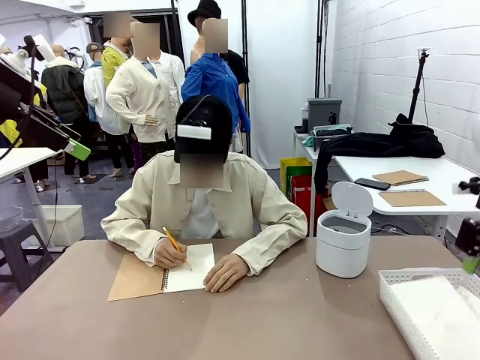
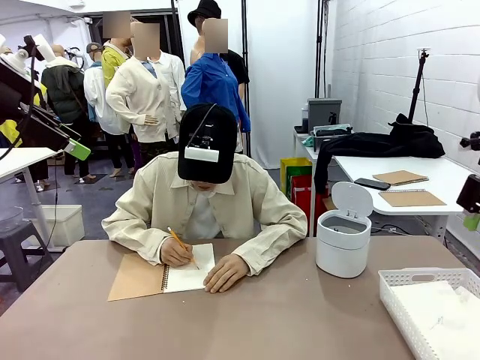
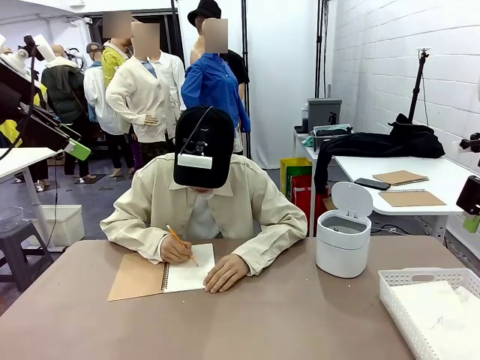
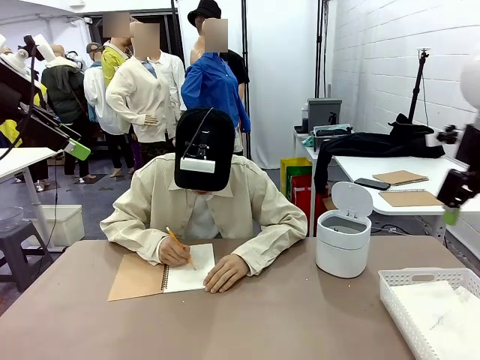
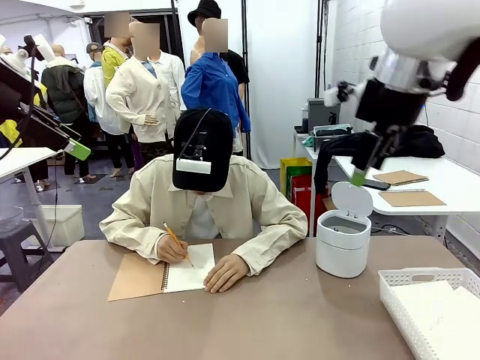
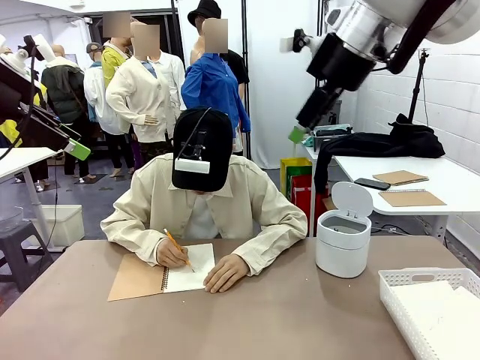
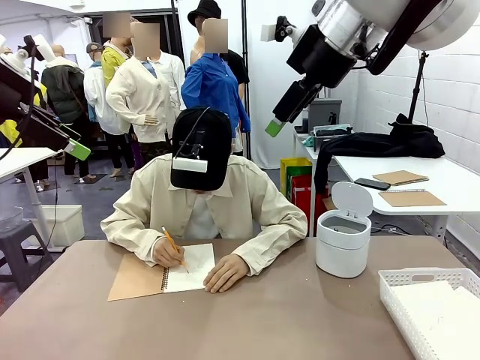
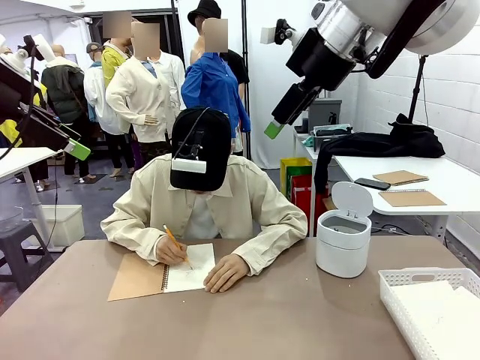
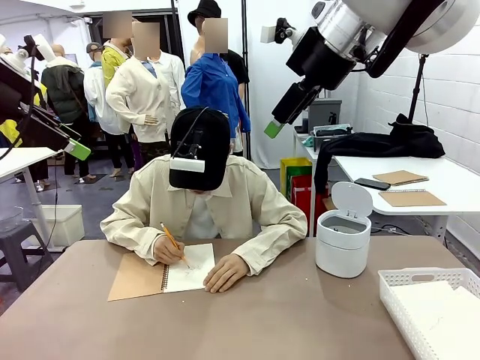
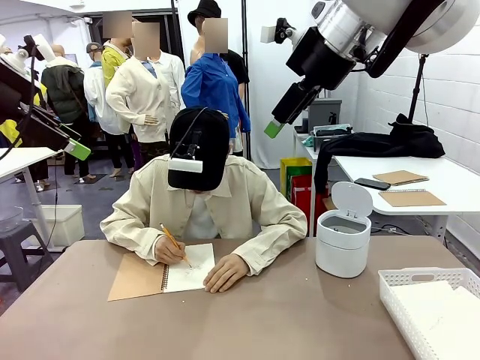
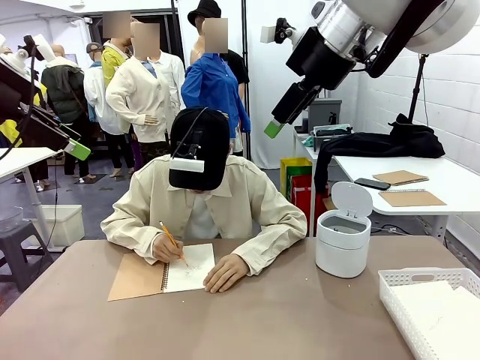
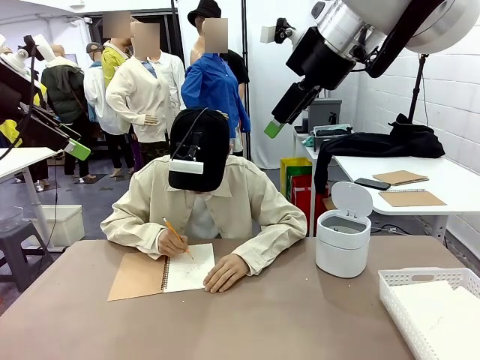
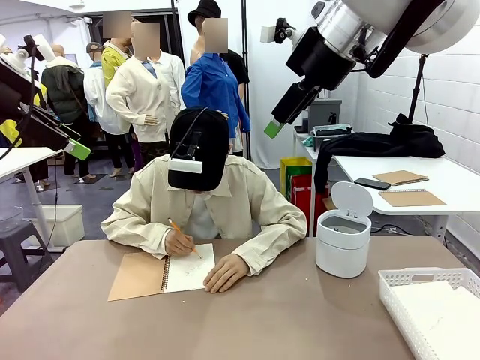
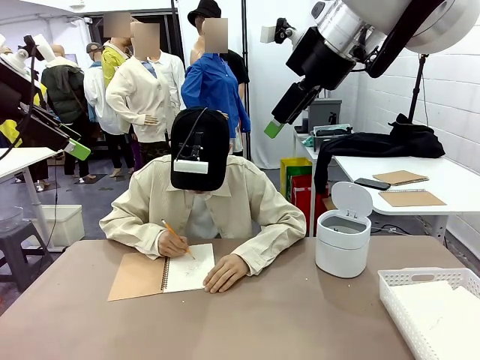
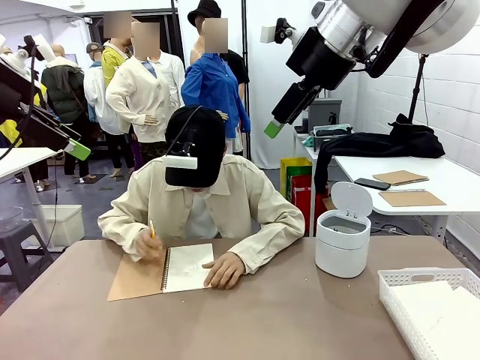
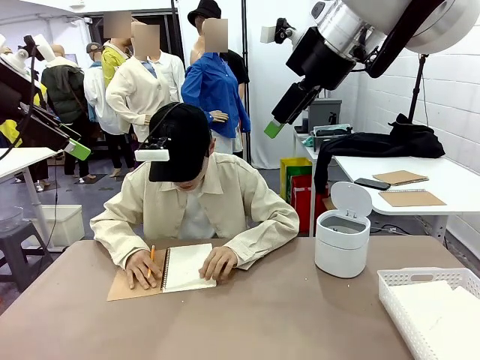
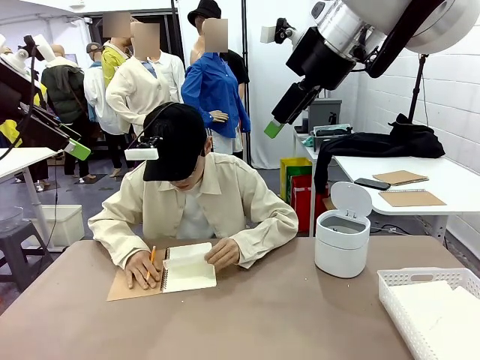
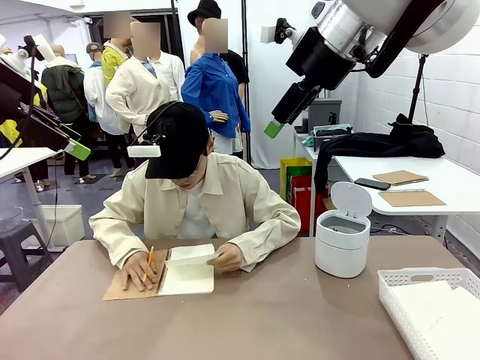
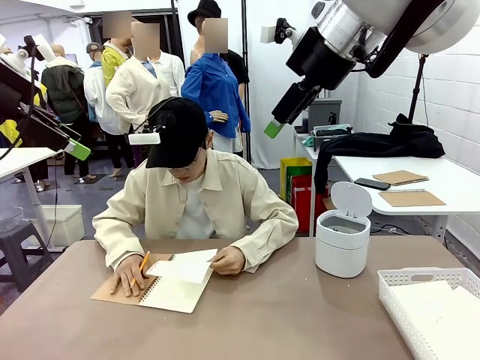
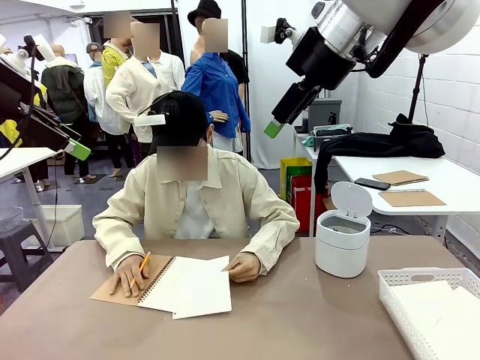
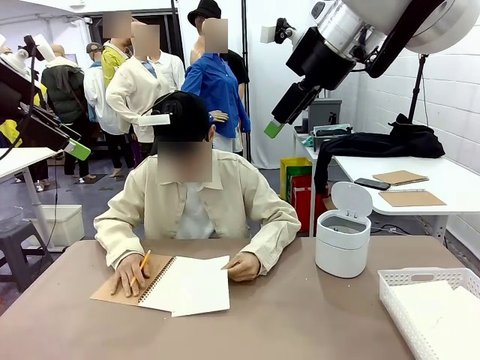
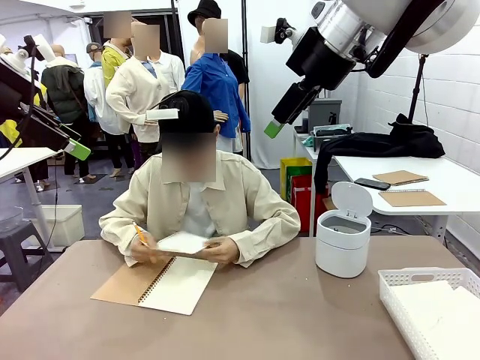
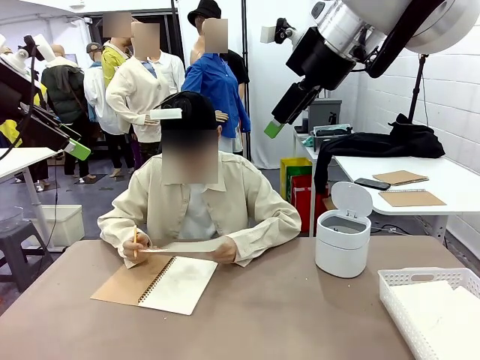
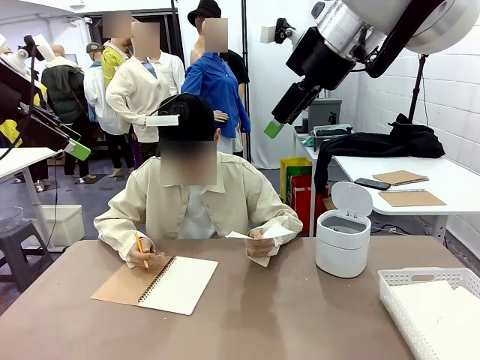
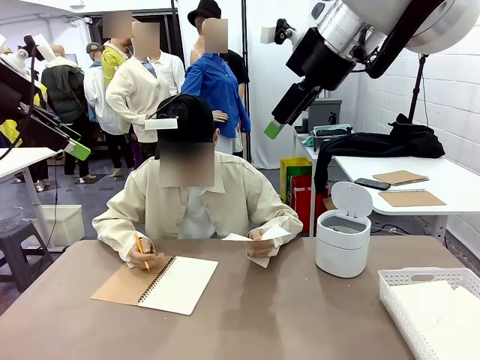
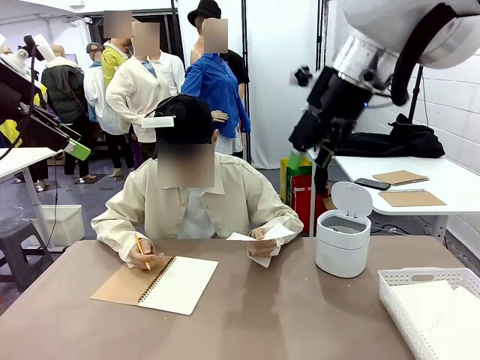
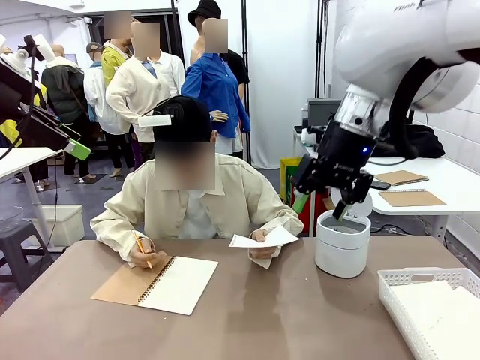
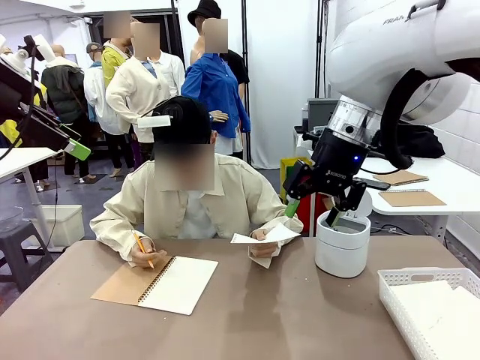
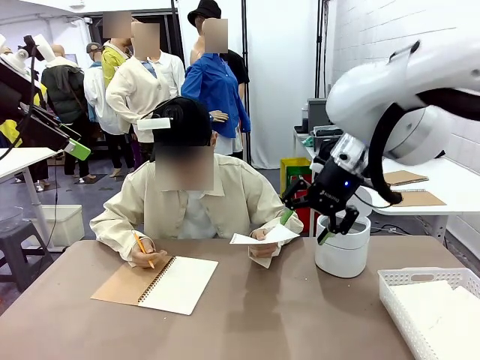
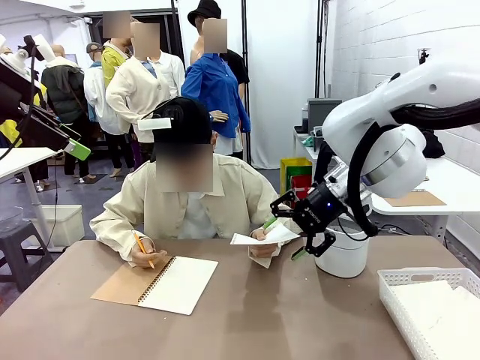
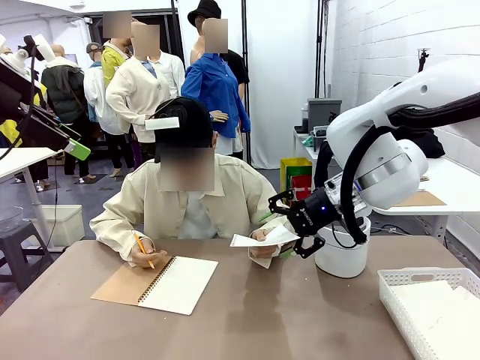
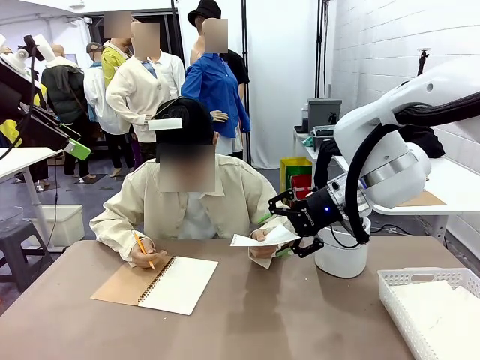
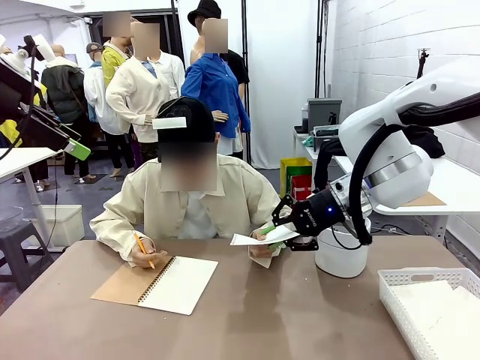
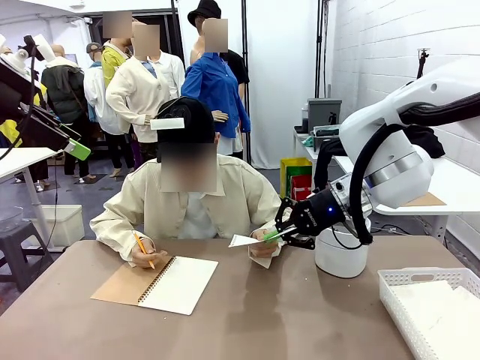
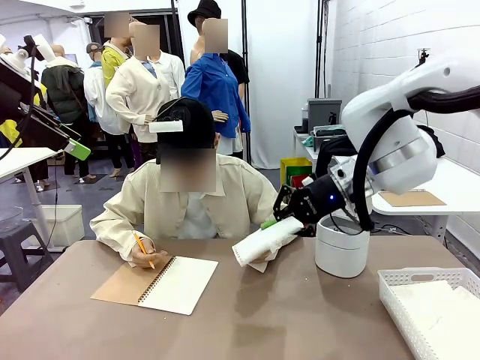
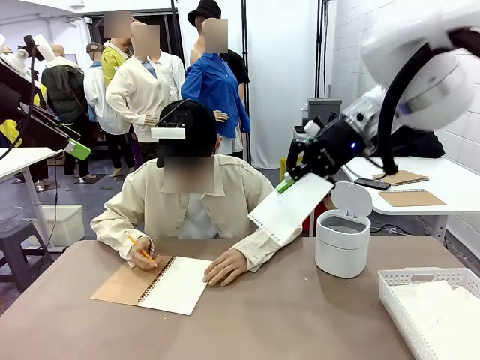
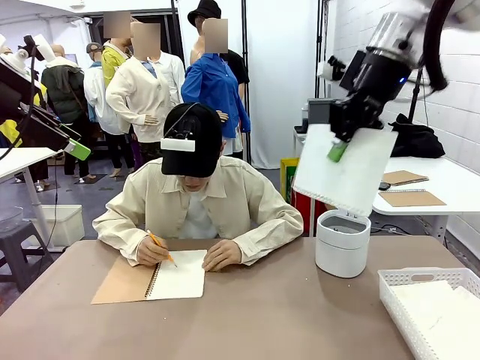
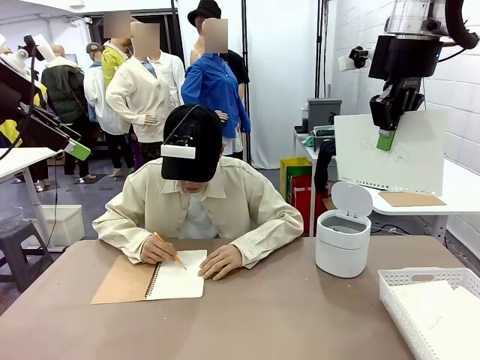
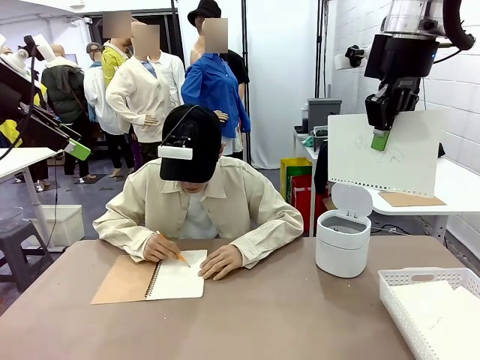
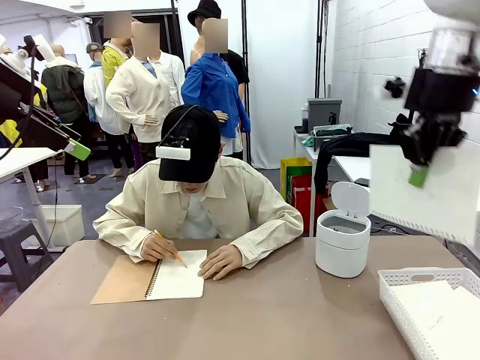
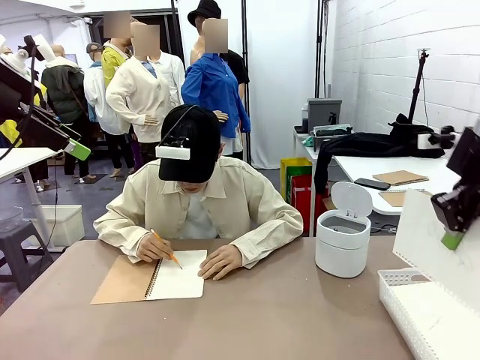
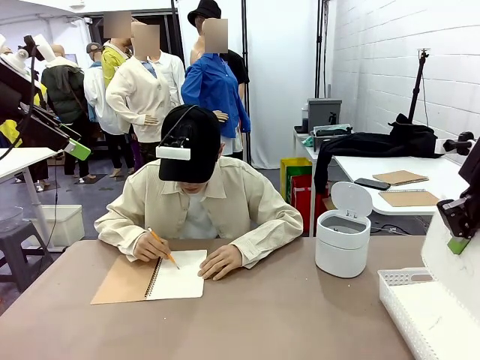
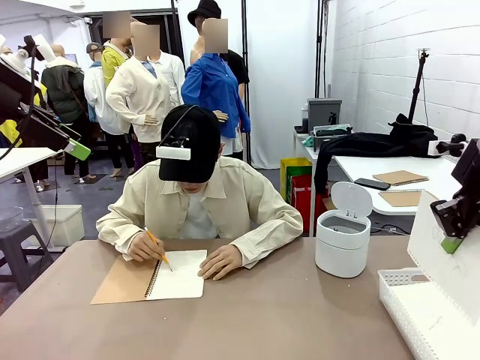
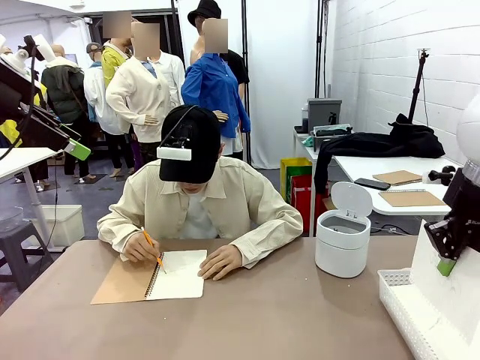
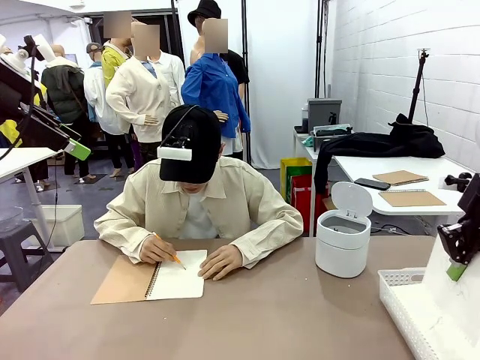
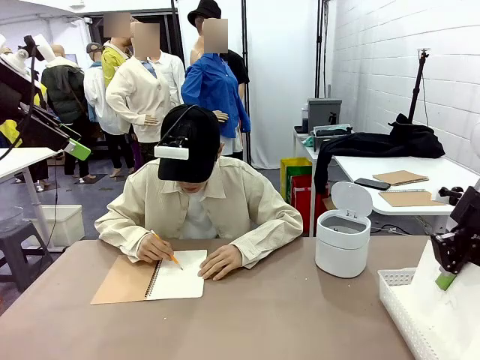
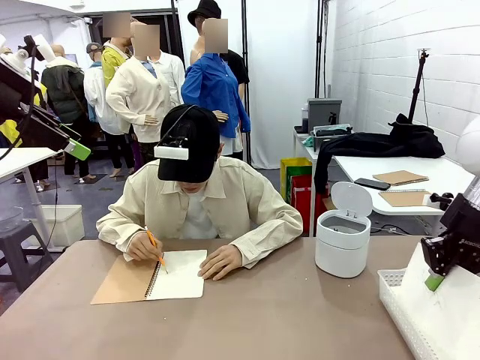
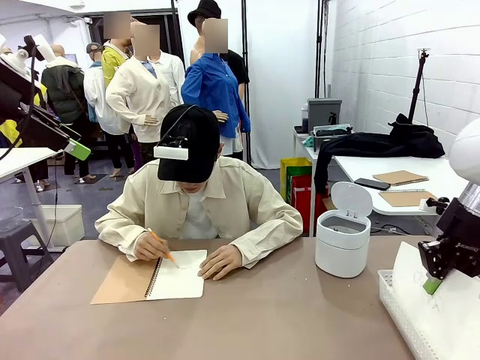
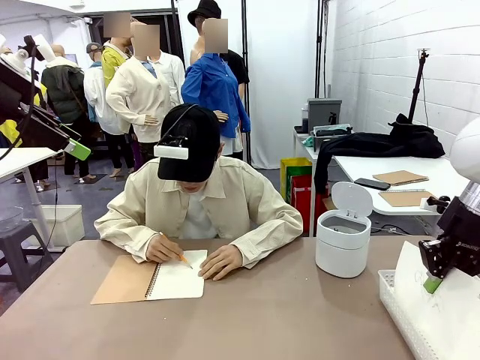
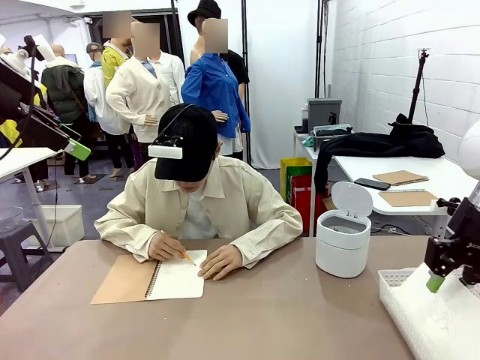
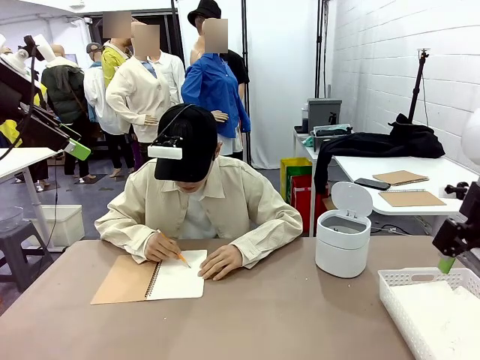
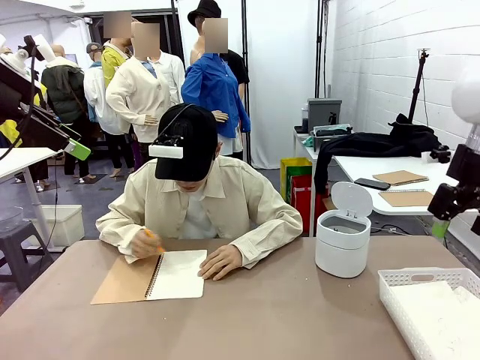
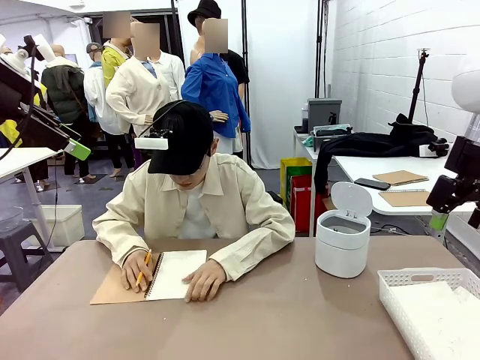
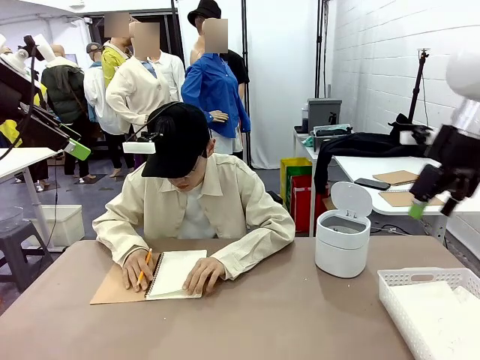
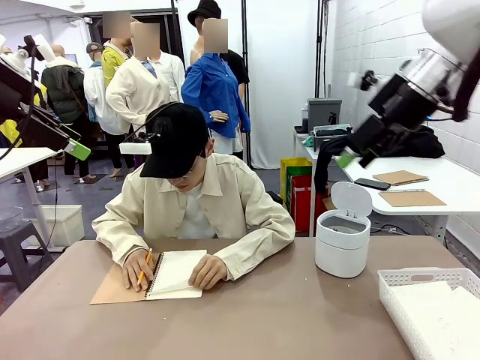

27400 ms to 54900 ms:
Task: Sort the paper based on its condition.
Robot: If a person hands you a paper, place it in the Organizing basket , and if it's crumpled, put it in the Trash can.
Person: Hand the torn page to the robot or crumple it and throw it to the center of the table. Tear out a page from the spiral notebook.
